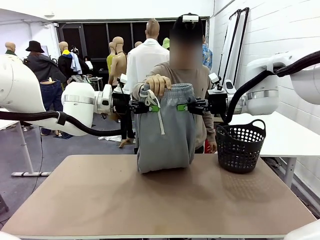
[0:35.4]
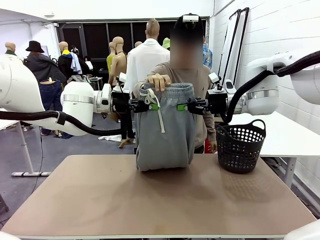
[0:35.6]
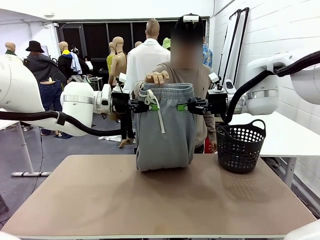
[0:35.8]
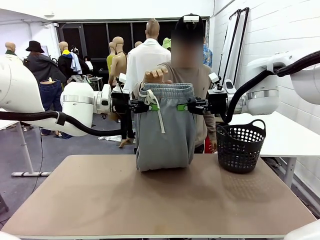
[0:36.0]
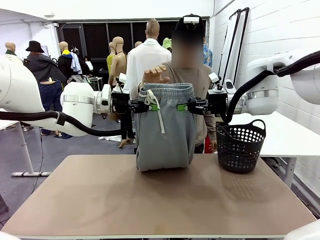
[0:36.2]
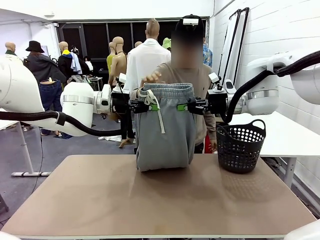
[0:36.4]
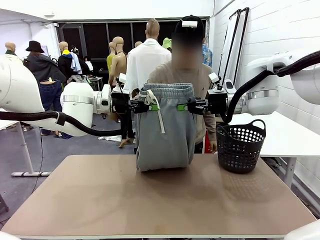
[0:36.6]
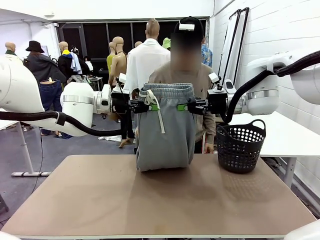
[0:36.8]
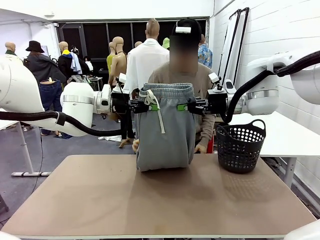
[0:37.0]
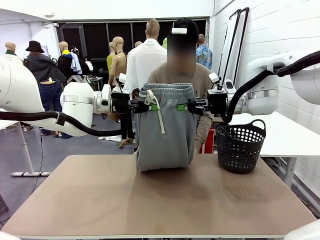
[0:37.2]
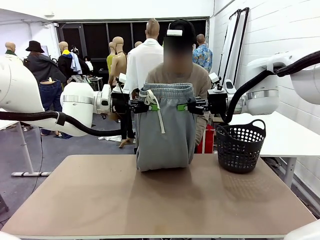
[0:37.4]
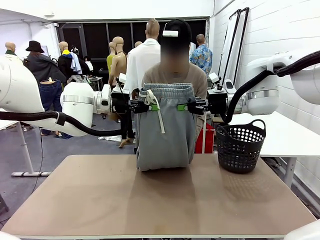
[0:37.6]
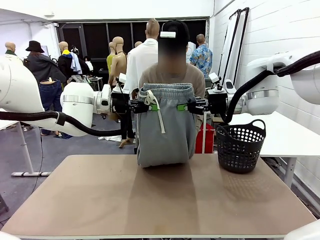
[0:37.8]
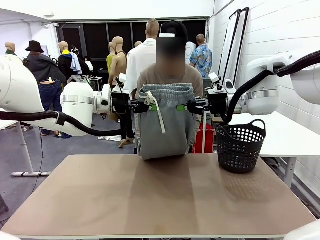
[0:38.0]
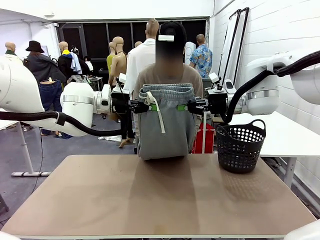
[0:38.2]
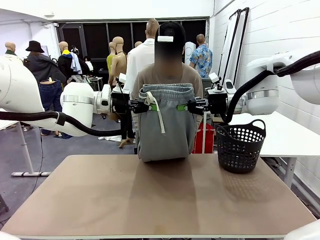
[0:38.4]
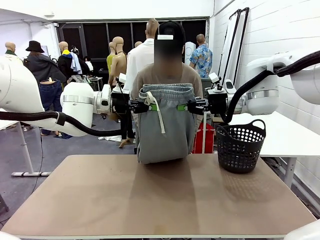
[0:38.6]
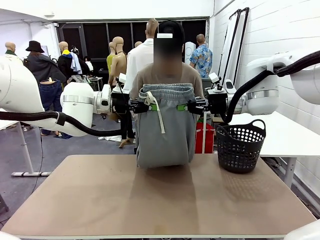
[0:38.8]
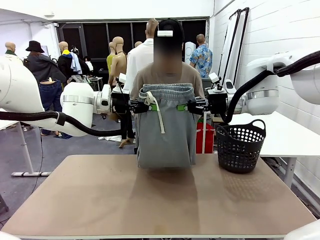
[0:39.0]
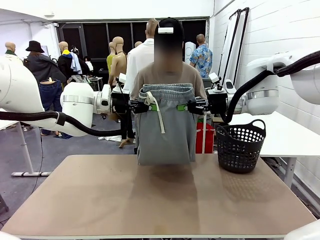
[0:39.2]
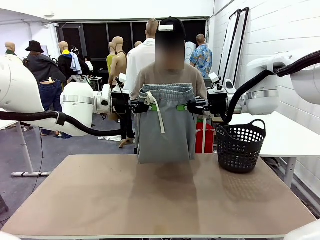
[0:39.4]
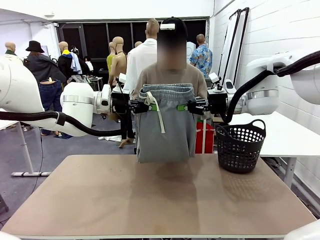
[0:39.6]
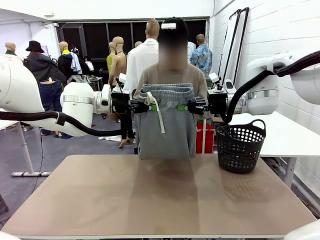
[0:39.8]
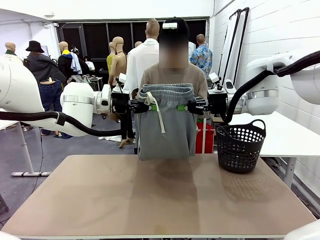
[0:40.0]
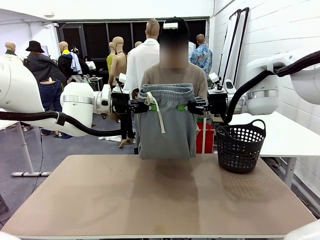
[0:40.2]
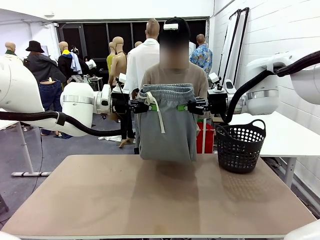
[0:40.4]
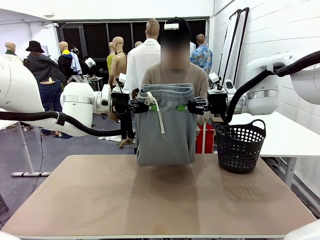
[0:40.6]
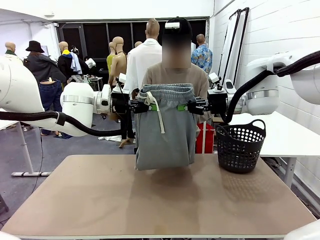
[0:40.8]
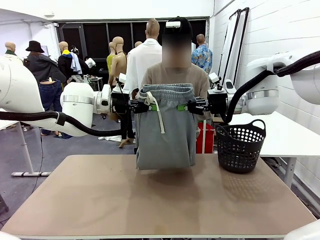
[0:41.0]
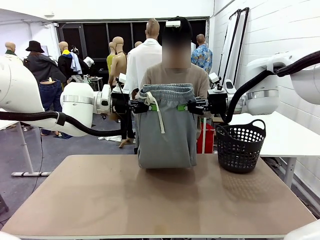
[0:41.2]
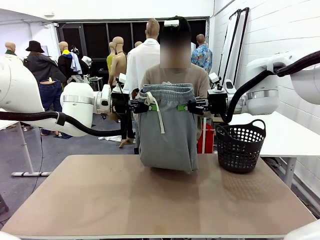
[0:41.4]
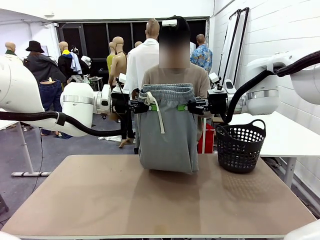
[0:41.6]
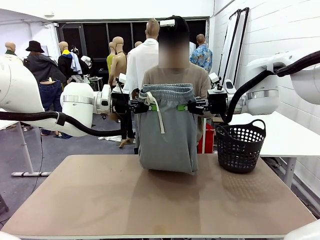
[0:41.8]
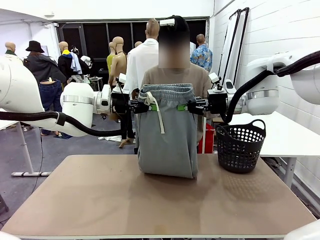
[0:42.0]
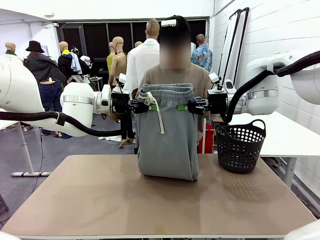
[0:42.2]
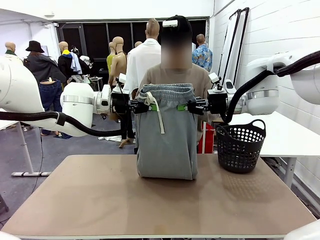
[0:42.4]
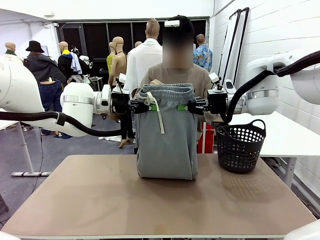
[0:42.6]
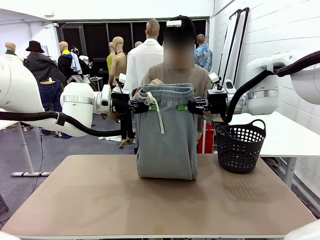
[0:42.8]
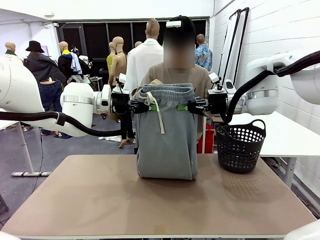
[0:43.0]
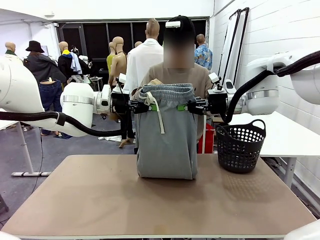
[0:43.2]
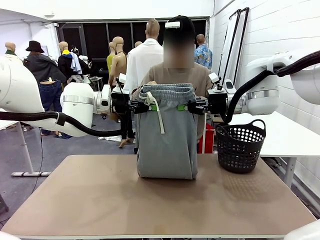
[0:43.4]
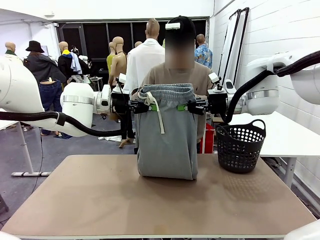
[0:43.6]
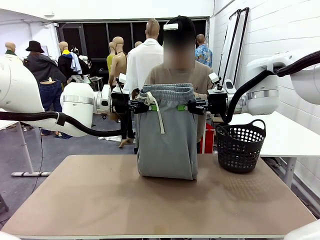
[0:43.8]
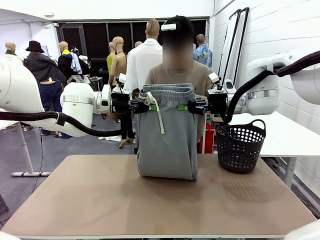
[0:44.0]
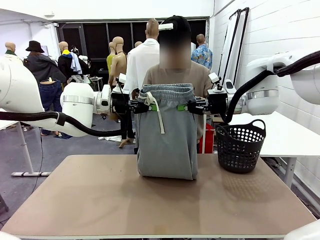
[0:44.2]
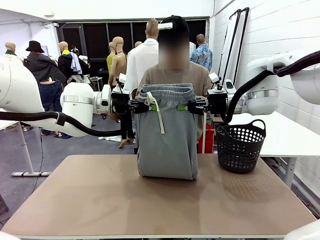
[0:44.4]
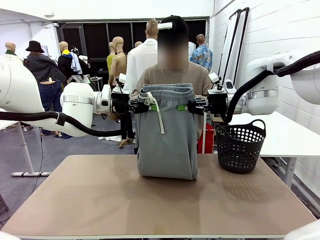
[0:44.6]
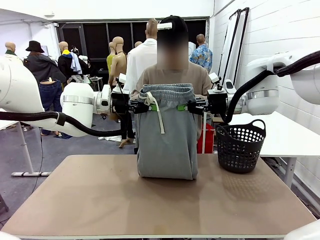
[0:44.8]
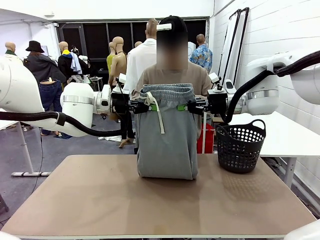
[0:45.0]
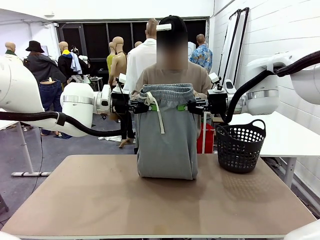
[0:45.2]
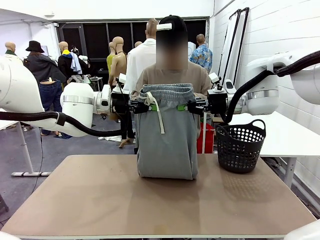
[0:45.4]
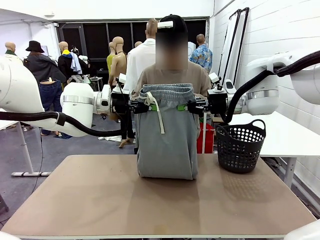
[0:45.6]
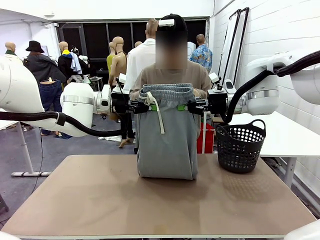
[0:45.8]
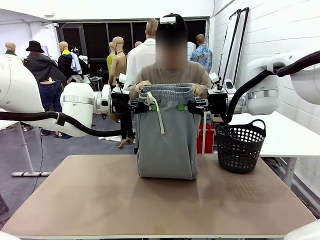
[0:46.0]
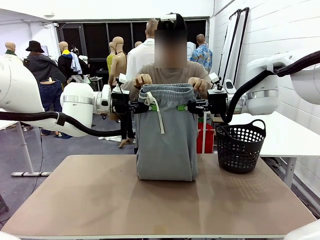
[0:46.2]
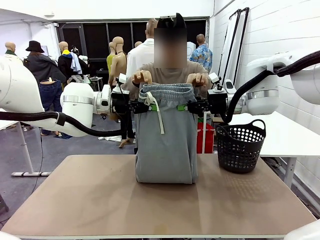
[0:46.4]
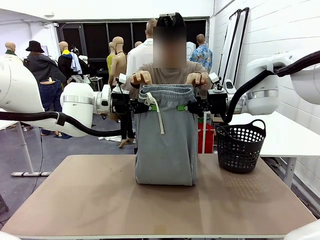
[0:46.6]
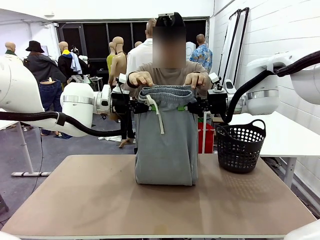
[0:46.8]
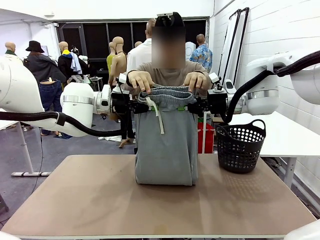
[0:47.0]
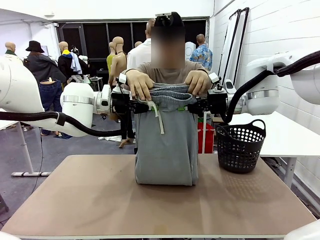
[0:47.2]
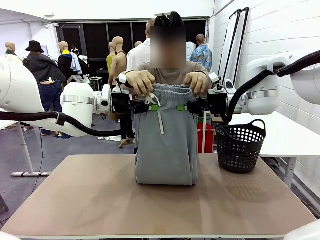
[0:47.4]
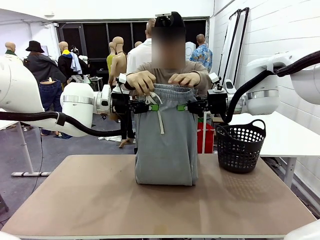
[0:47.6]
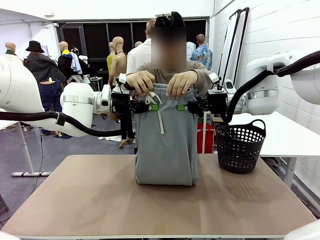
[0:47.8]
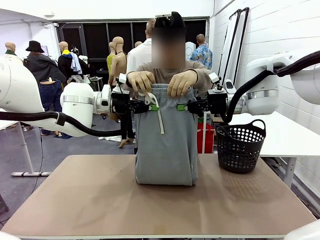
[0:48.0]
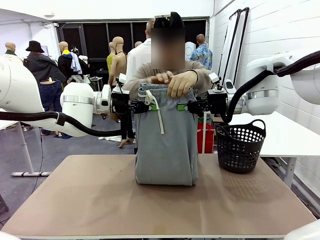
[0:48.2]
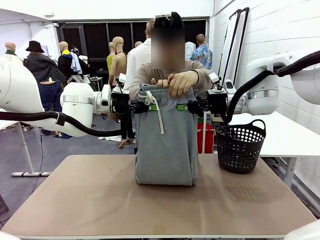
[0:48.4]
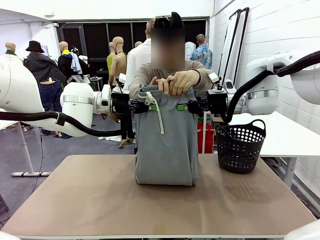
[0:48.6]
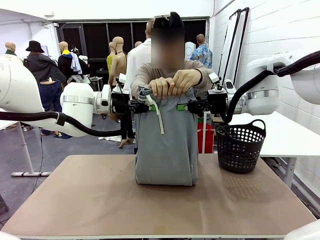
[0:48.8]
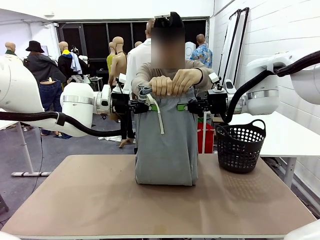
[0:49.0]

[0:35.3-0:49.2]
Task: Fold the training pants.
Robot: Release the ends of the Training pants and then grab the overlapped ends.
Person: Grasp the end opposite the point the robot is holding, fold the pants in half, and then grasp the overlapping top end of the folded pants.

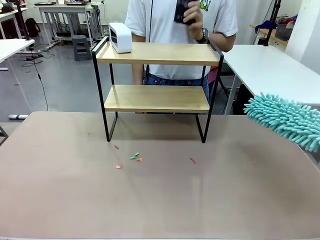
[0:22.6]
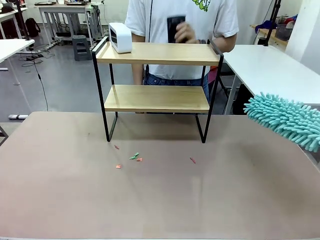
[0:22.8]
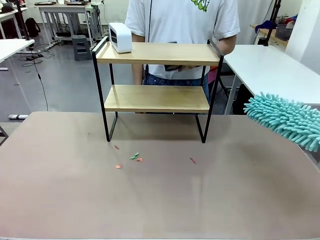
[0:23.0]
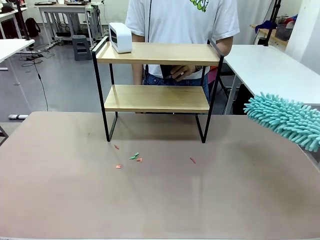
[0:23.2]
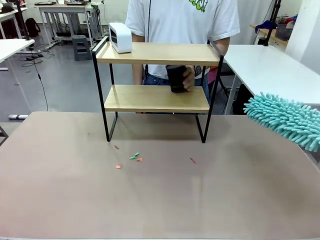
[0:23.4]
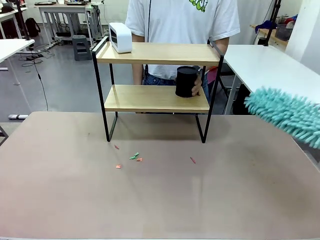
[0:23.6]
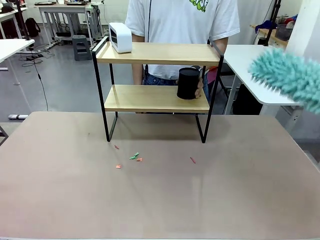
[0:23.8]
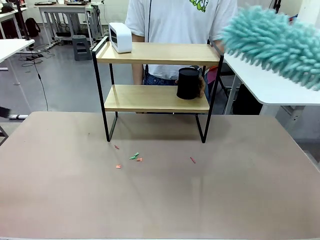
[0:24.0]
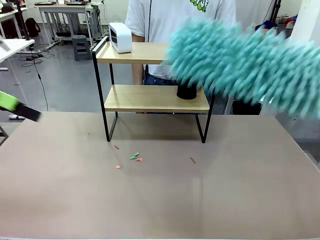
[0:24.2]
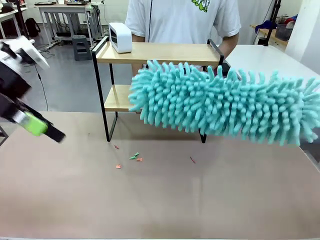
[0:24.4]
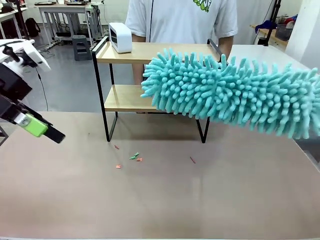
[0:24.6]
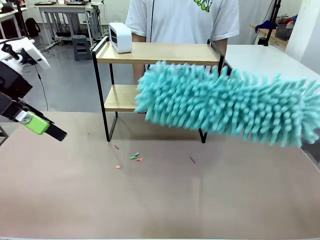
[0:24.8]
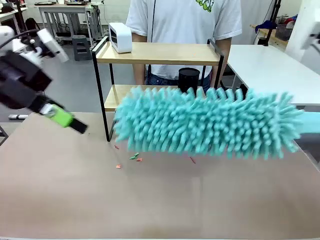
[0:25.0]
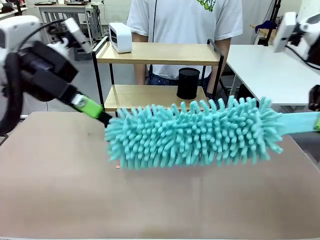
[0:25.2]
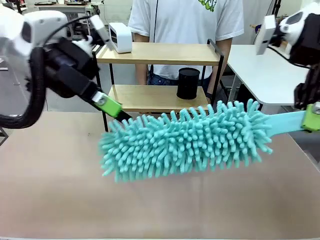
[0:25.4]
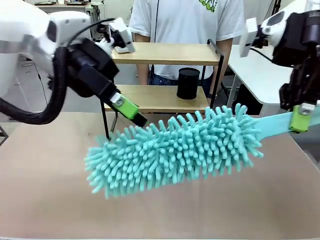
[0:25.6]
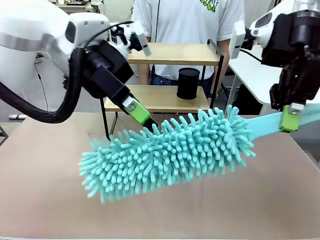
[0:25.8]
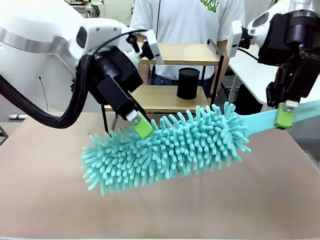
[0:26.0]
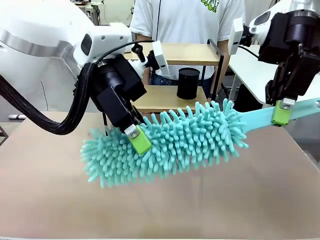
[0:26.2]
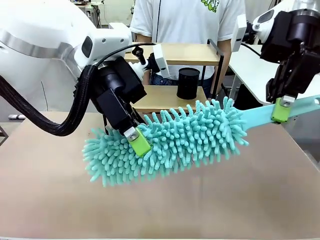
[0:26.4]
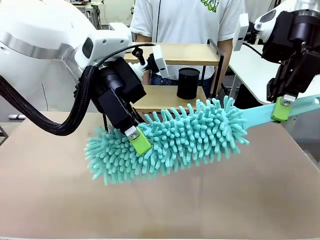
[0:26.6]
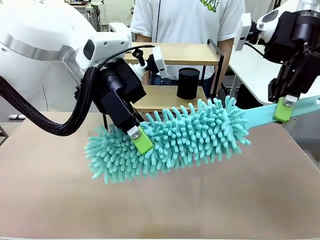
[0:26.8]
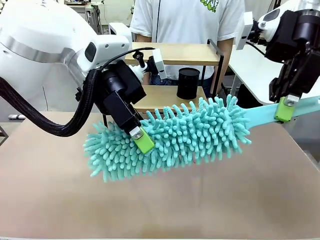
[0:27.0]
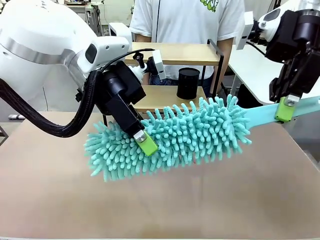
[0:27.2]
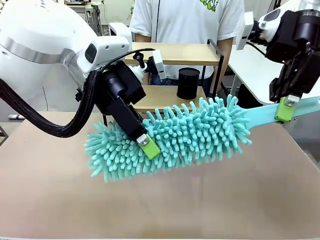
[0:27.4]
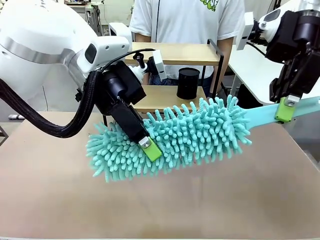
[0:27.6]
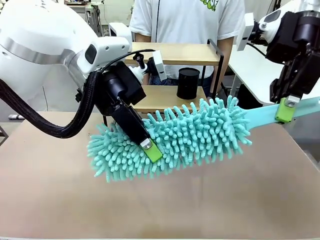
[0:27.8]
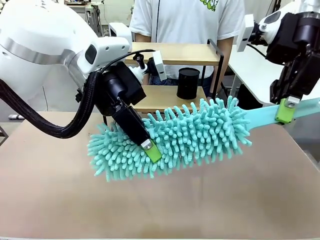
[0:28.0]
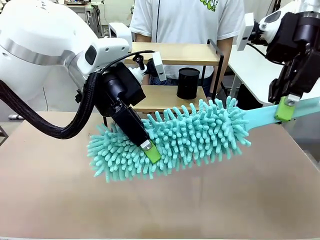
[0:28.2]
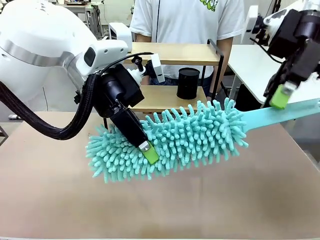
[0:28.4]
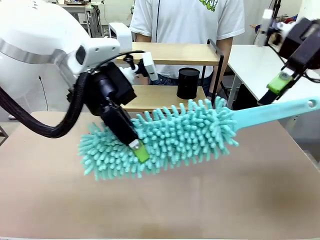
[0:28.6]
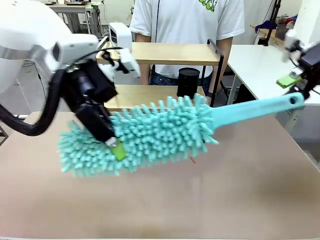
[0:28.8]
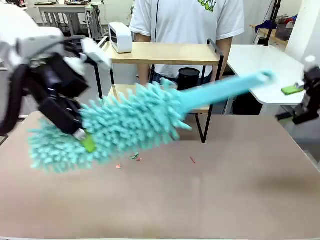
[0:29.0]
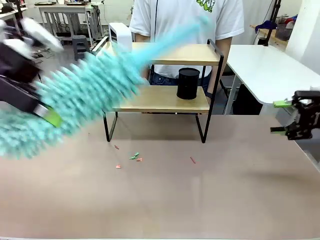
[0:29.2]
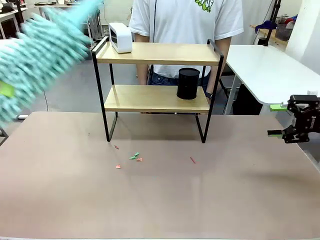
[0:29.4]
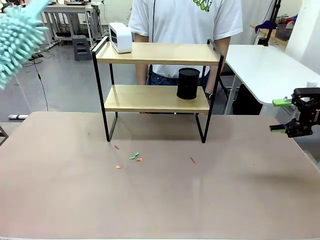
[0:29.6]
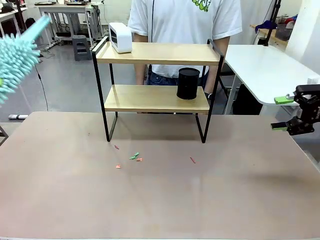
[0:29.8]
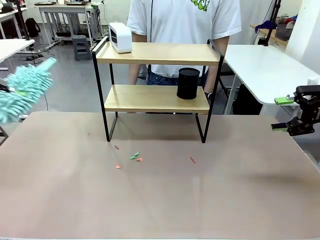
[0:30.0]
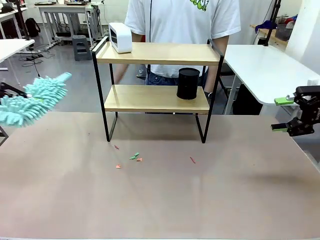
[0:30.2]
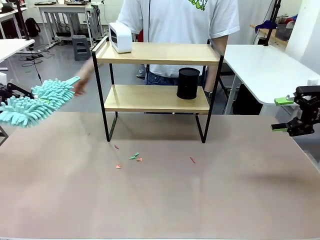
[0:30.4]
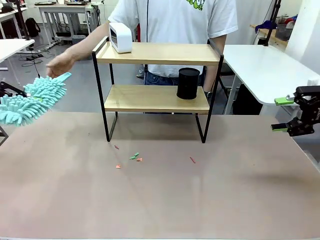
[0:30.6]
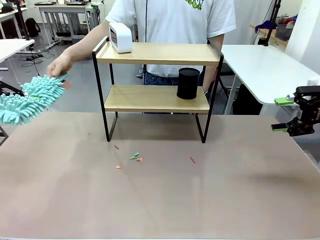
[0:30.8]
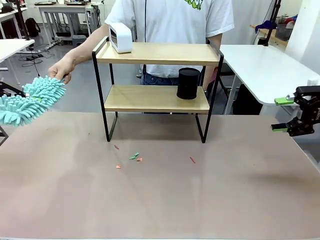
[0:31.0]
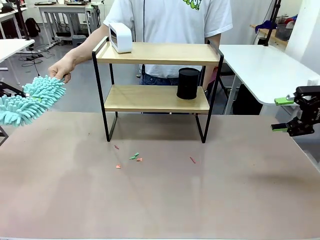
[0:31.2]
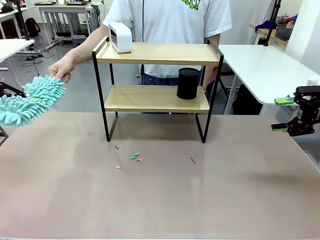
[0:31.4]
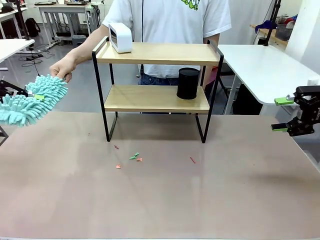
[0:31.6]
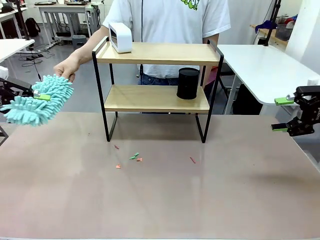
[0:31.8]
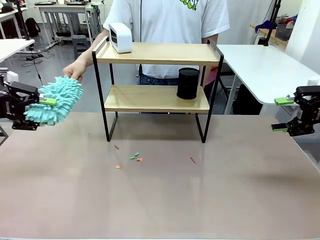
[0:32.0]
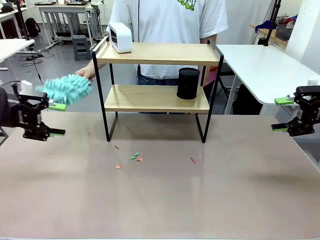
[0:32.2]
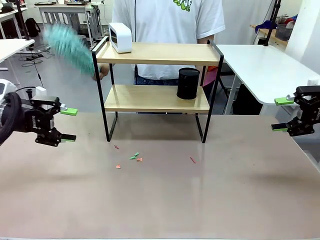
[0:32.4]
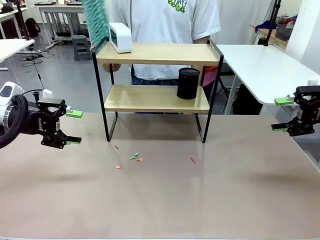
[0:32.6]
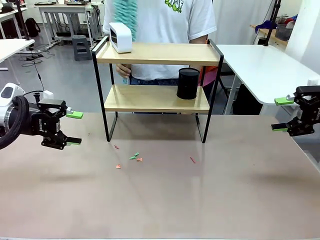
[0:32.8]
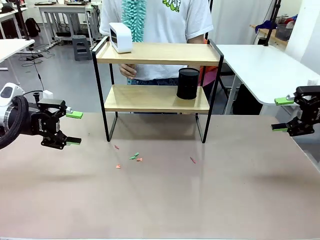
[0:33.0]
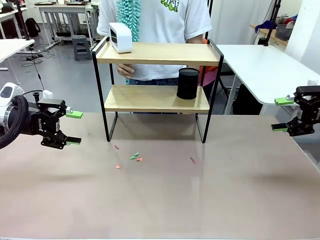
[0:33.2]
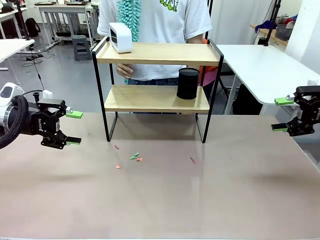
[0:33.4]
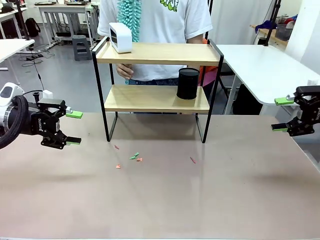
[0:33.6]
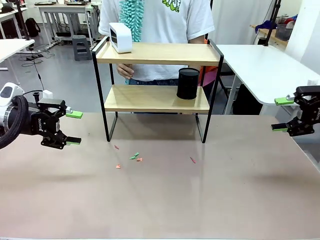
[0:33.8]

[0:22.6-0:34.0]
Task: Clean the shelf.
Robot: Hand the Duster back to the human.
Person: Receive the Duster from the robot.
